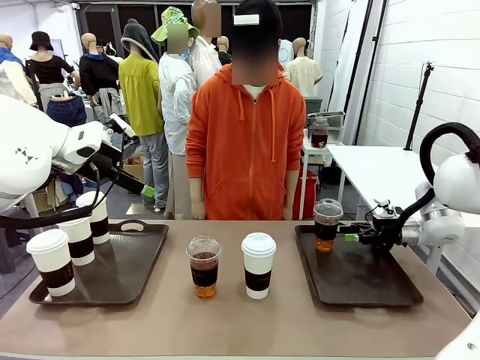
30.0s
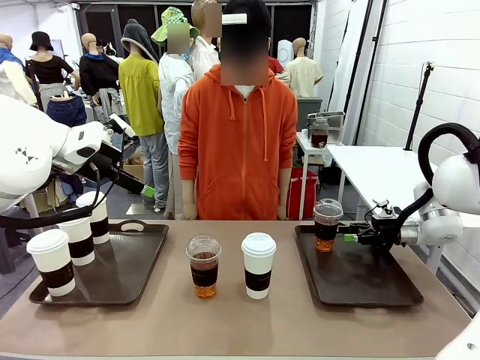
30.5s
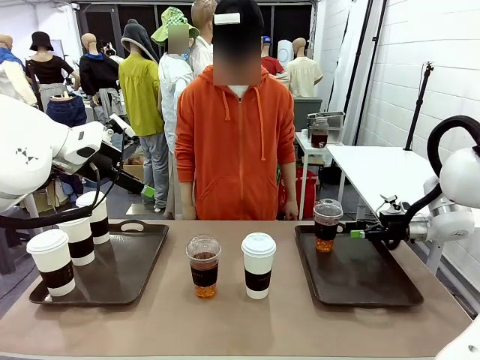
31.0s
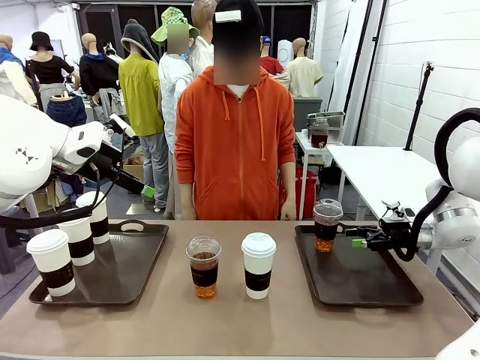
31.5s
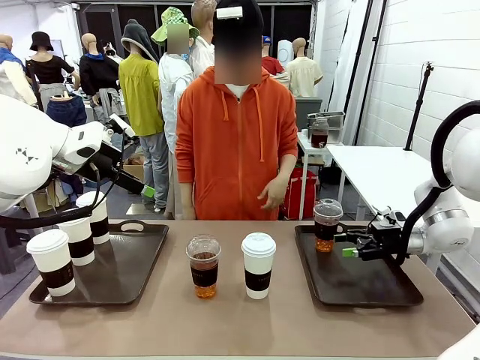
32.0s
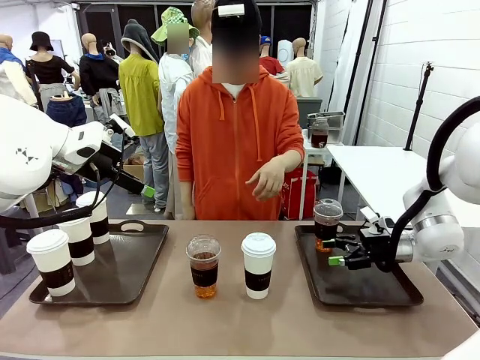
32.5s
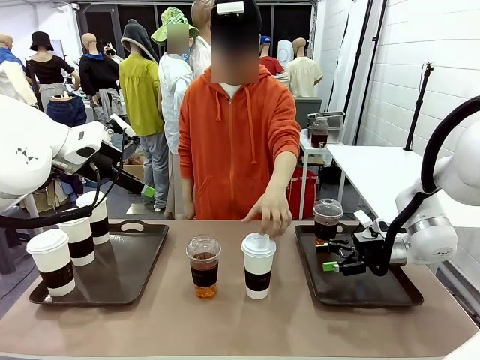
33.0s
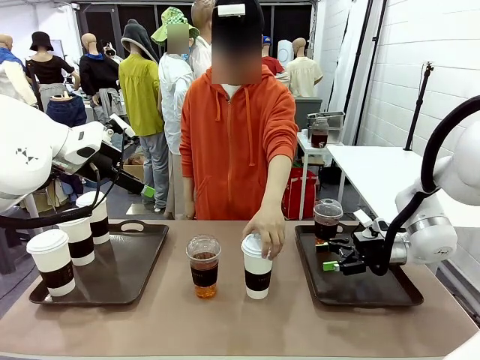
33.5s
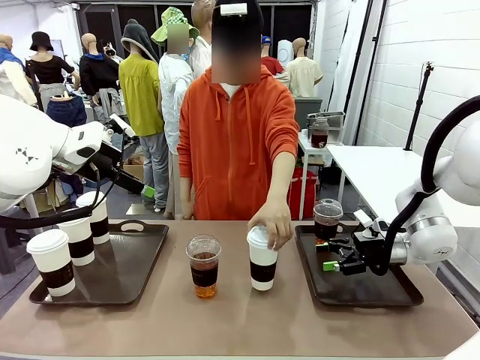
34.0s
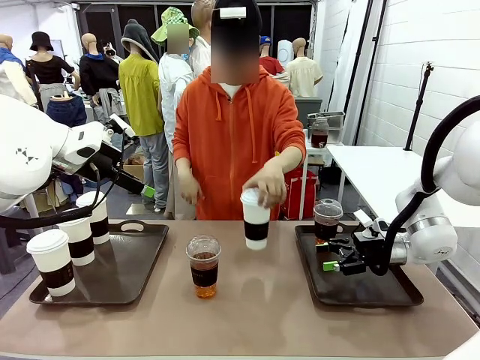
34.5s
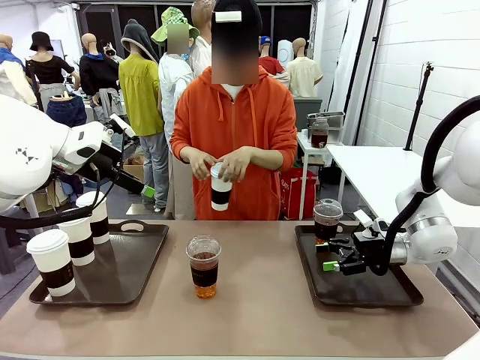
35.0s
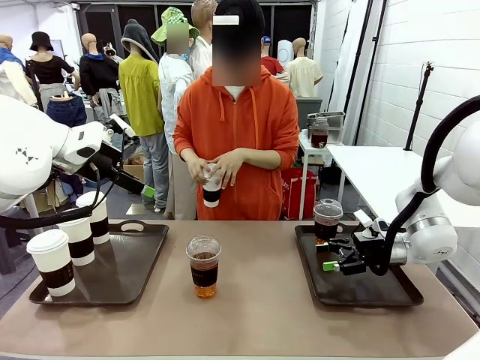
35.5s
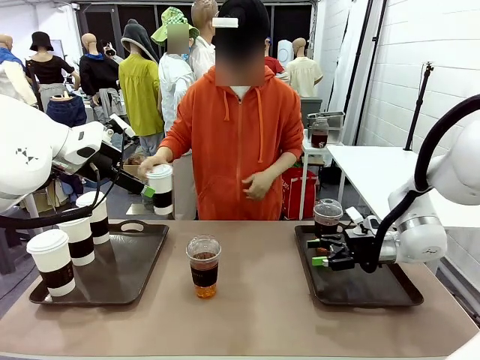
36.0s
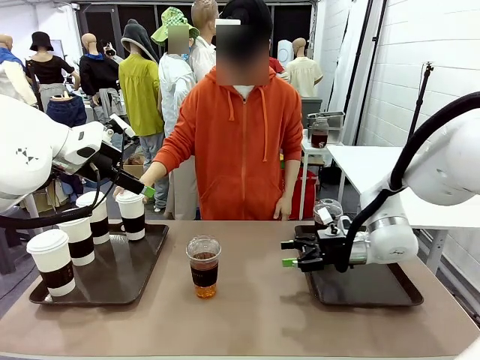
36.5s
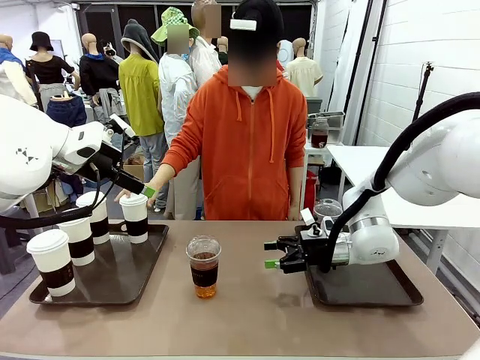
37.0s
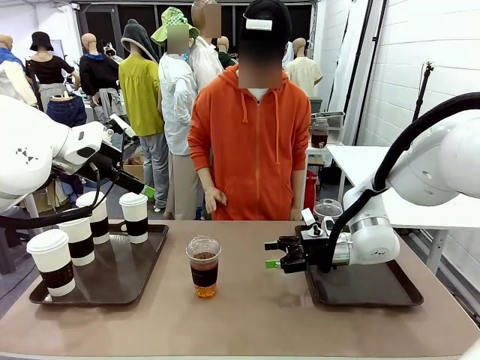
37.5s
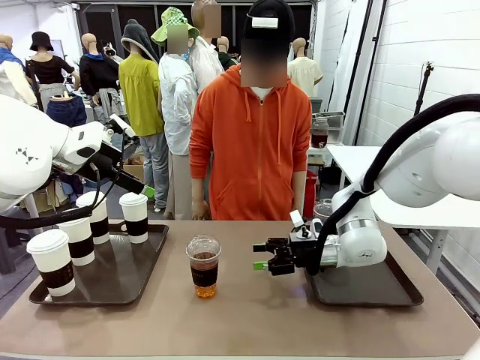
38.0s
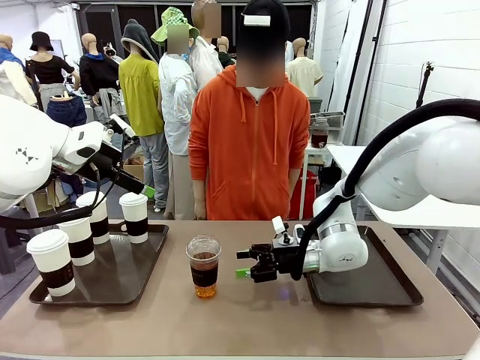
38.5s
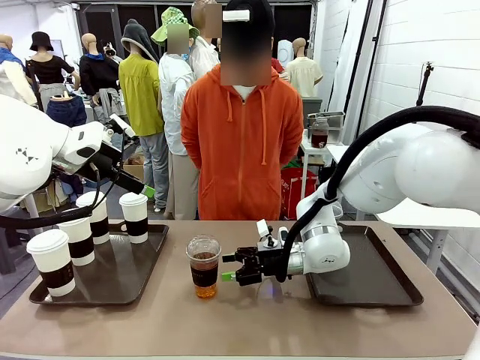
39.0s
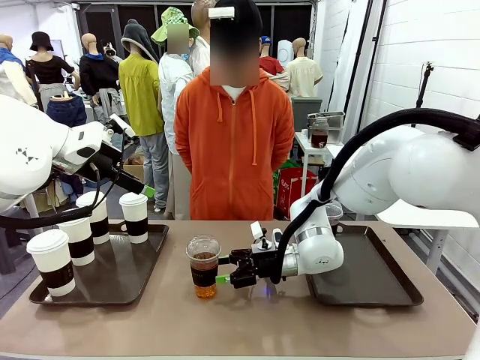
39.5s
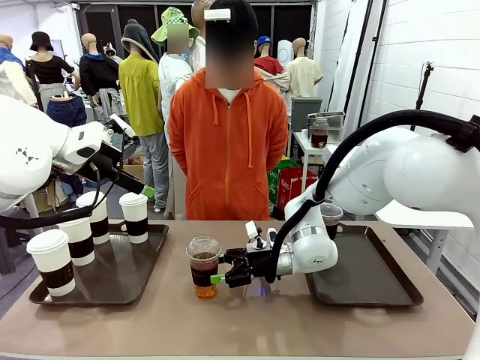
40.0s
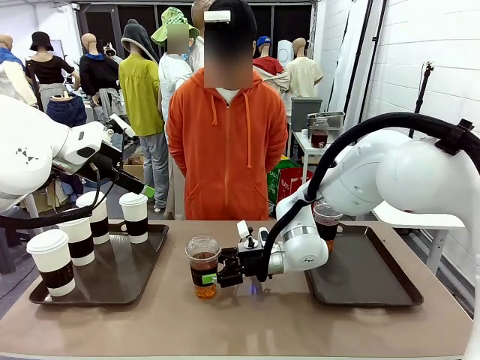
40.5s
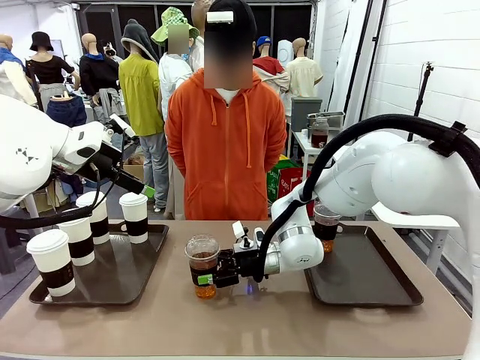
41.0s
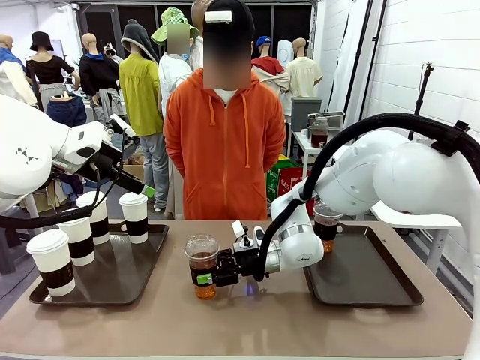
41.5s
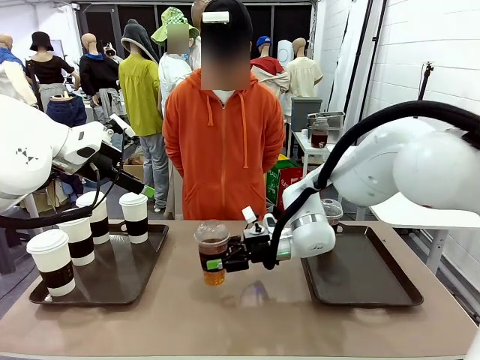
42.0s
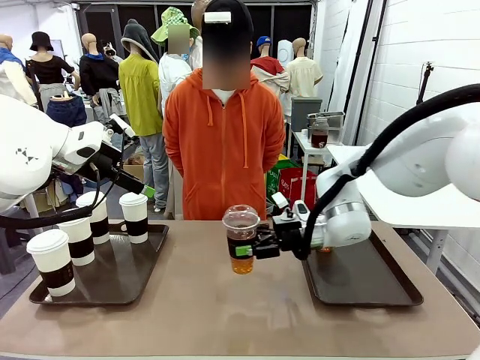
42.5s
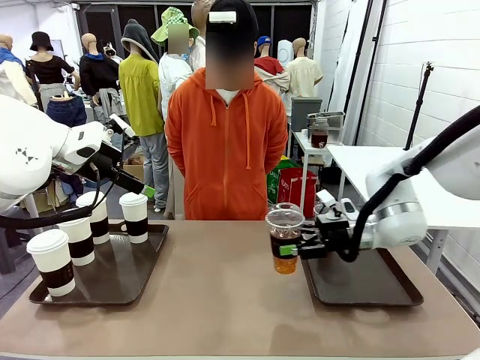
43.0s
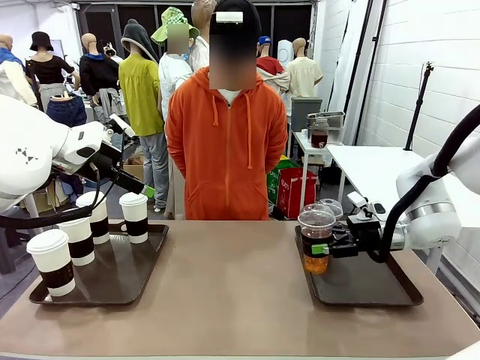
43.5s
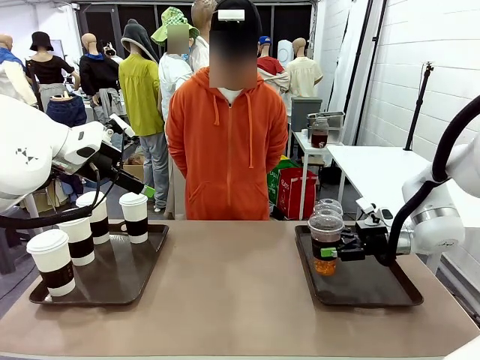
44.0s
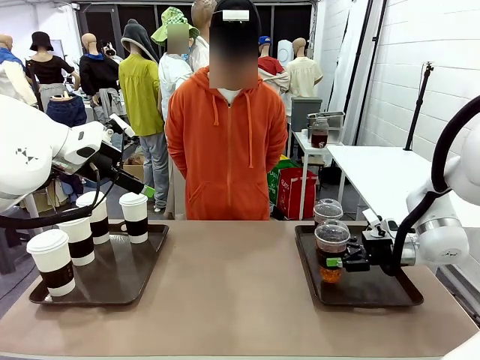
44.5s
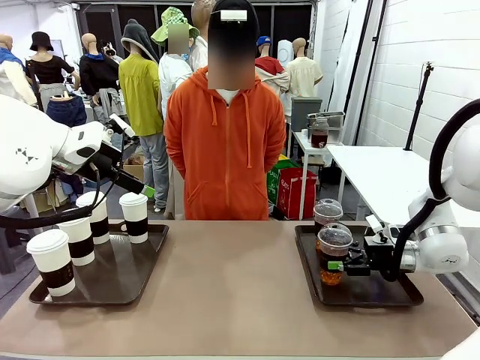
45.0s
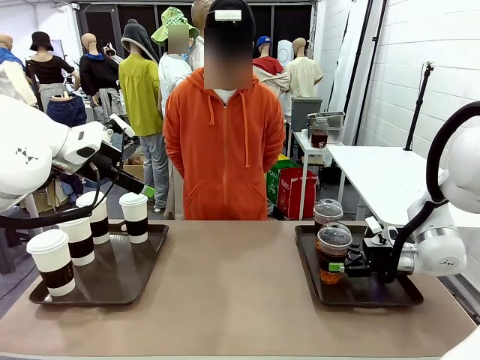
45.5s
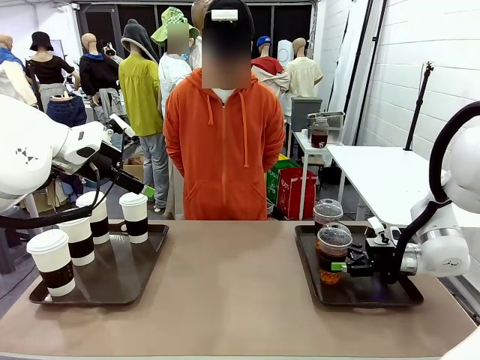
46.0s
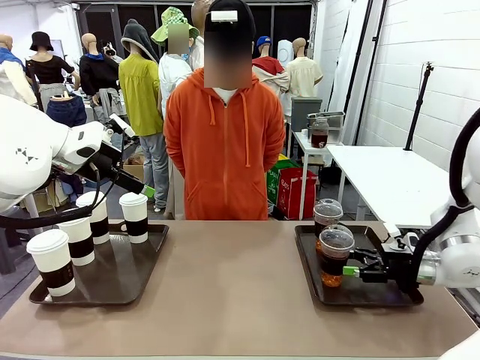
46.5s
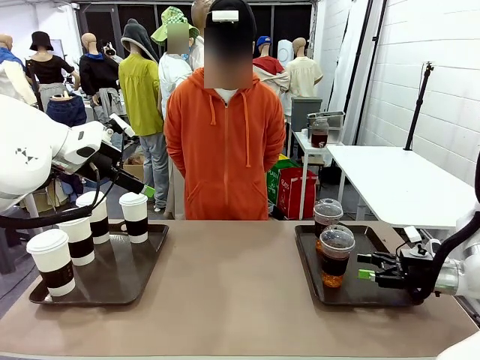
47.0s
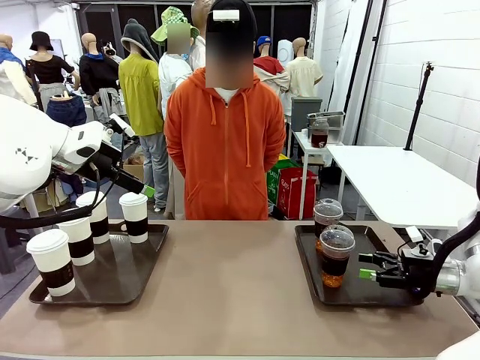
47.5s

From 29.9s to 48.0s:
Task: Distribute the coffee onto the tray.
Robot: Pick up another iced Americano from the middle of the table and place it on the right Handle tray.

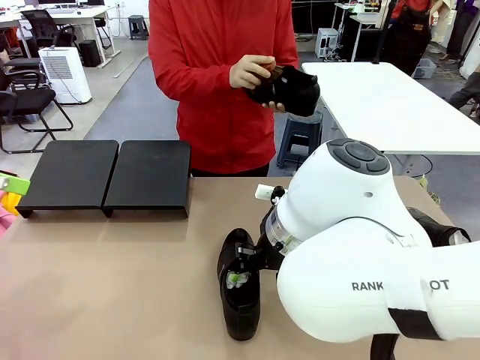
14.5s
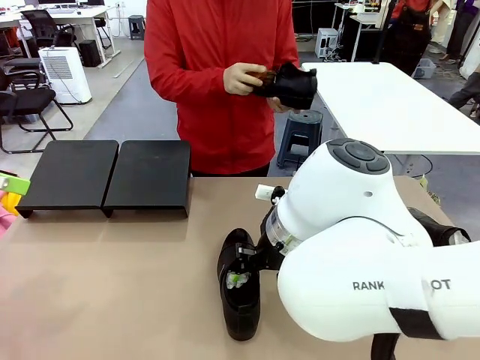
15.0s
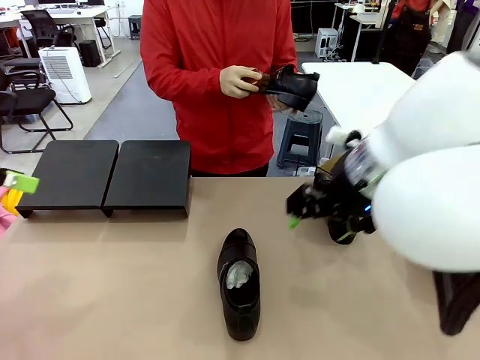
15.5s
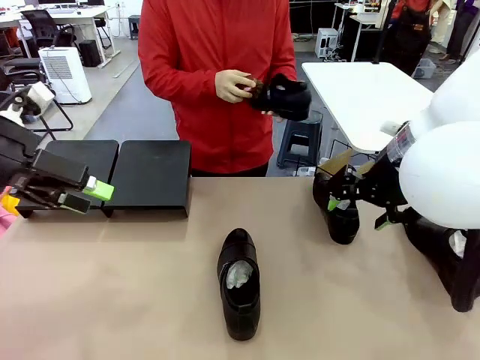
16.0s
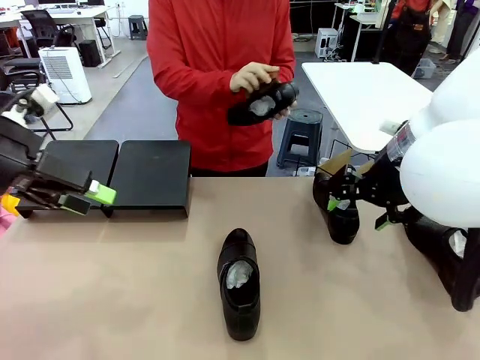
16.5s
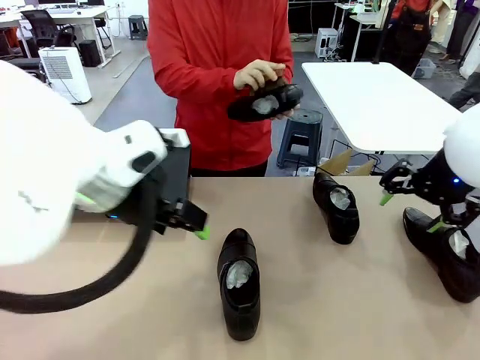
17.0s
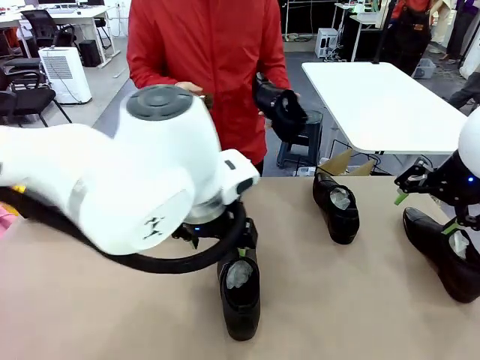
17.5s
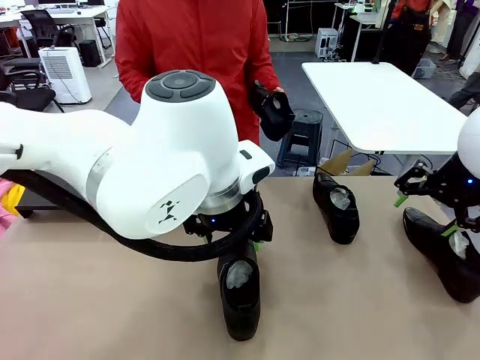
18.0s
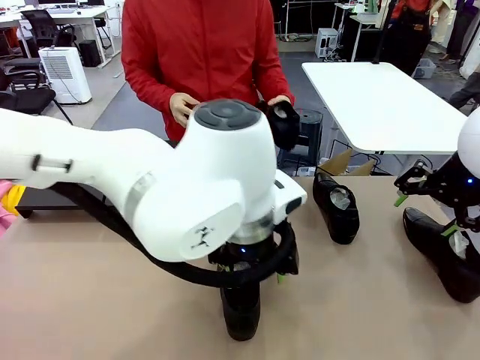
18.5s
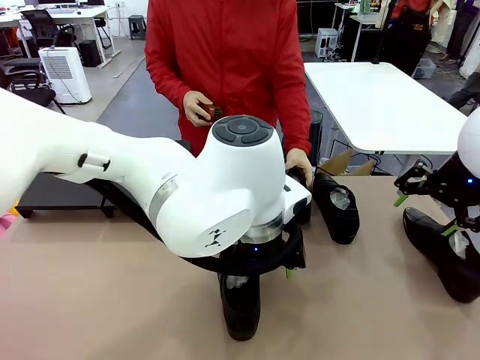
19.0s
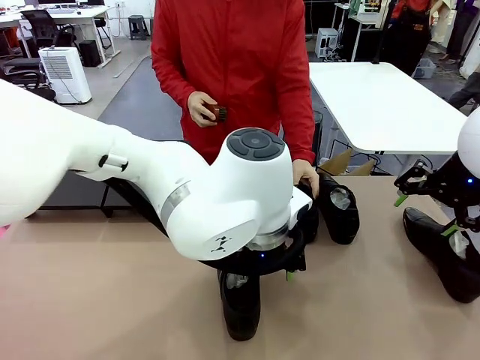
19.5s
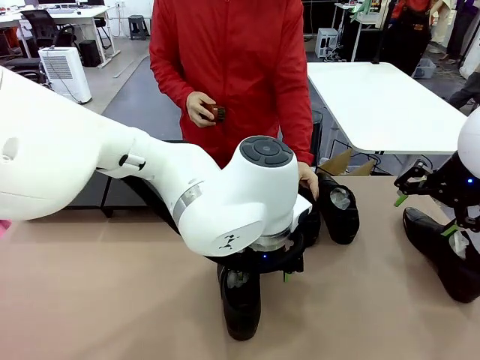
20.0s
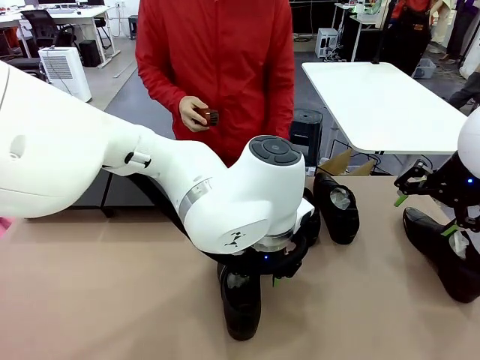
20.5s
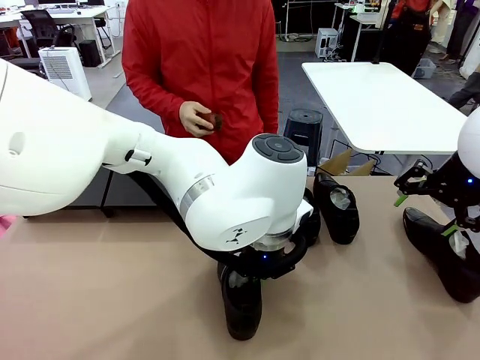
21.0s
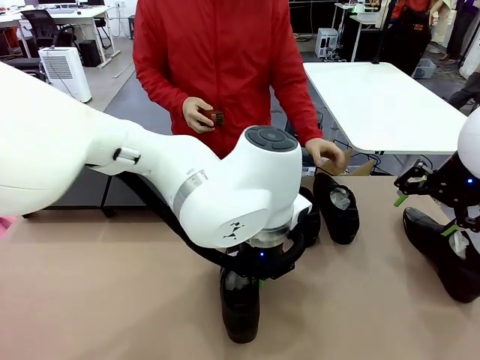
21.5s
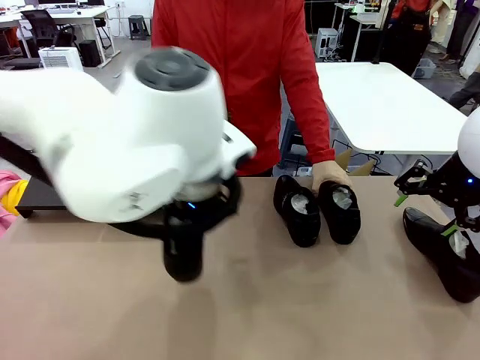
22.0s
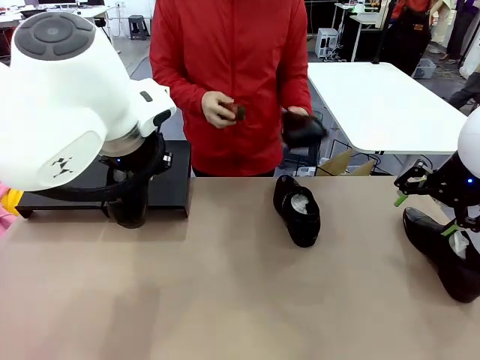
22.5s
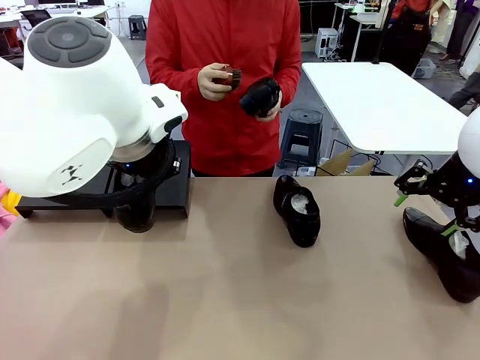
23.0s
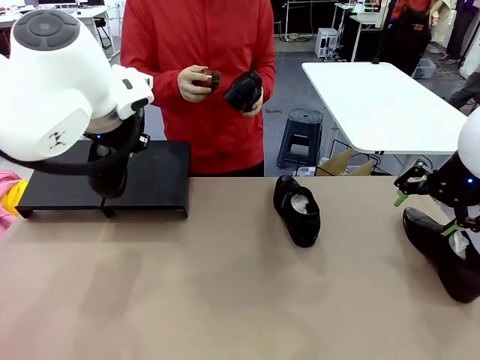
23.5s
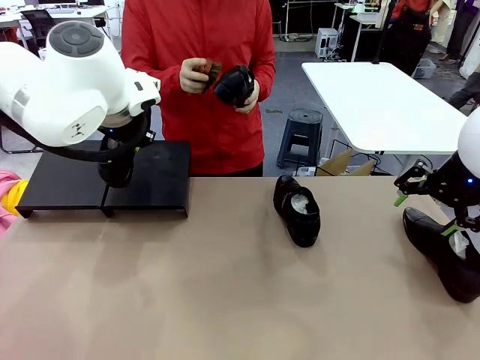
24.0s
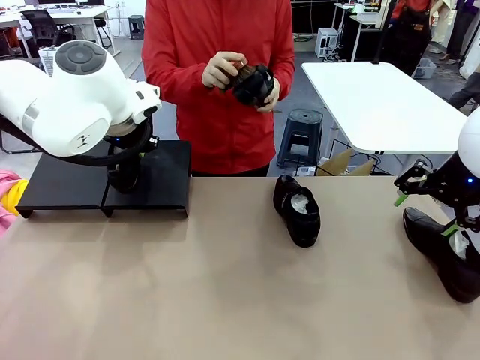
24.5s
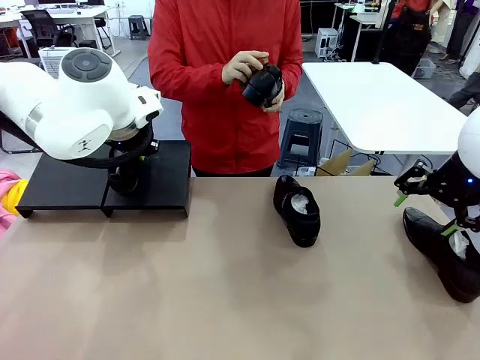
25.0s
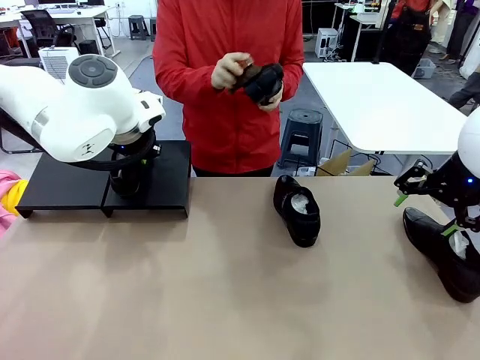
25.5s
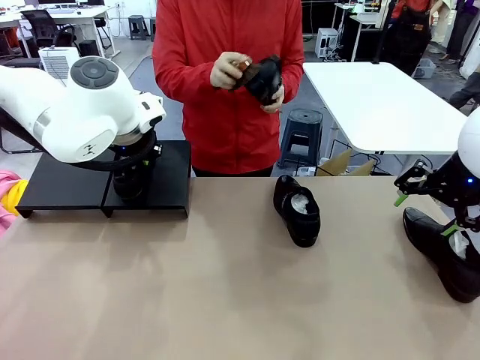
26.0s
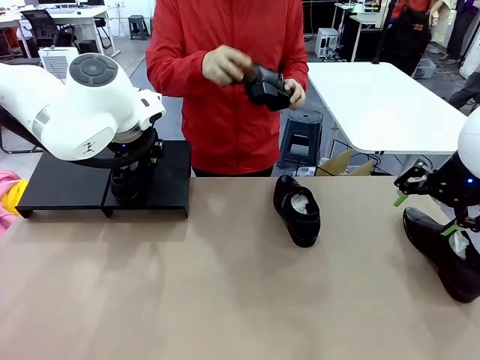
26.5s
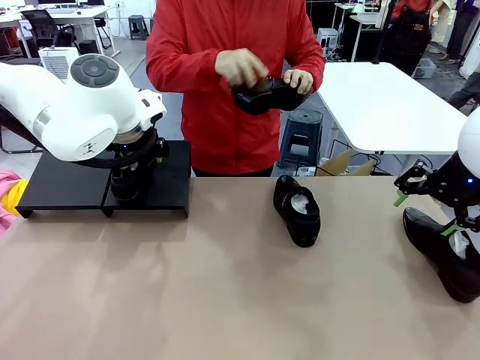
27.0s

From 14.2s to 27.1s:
Task: Organize the shoes by placing them on the stand.
Robot: Place the Shoe from the middle of the table onto the Shoes Stand.
Person: Place the Shoe on left side of the Robot's table. Pick one Shoe on Robot's table.
